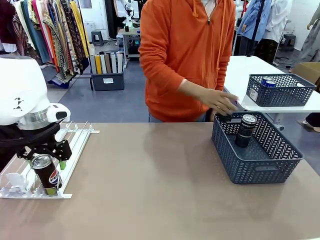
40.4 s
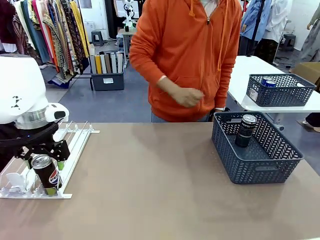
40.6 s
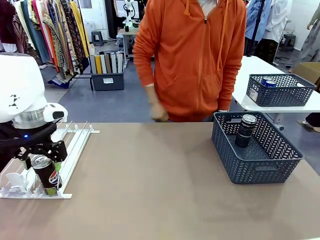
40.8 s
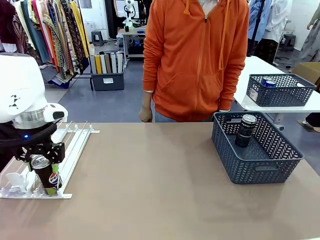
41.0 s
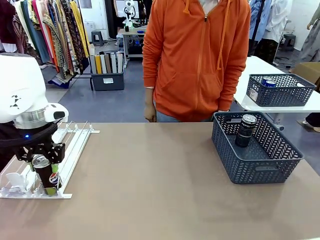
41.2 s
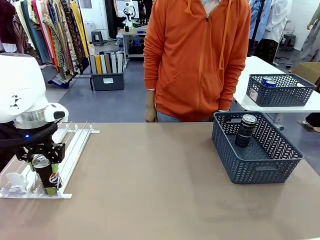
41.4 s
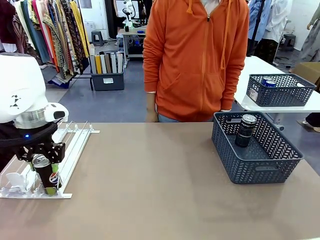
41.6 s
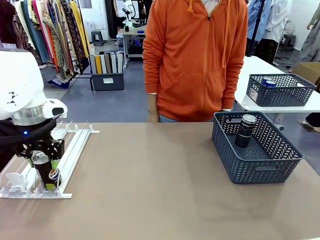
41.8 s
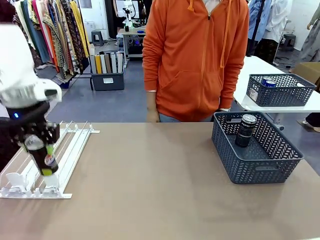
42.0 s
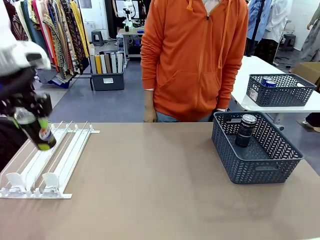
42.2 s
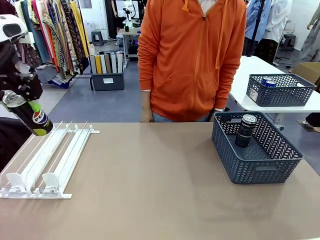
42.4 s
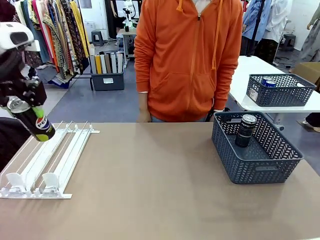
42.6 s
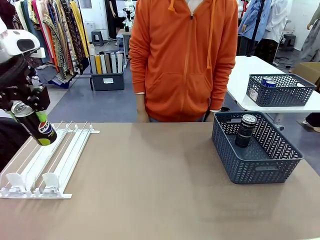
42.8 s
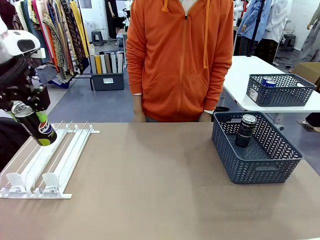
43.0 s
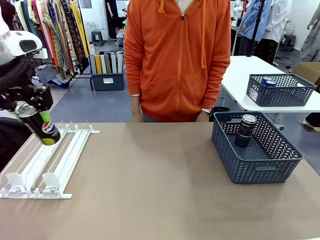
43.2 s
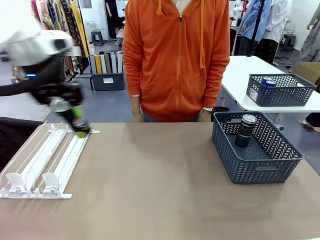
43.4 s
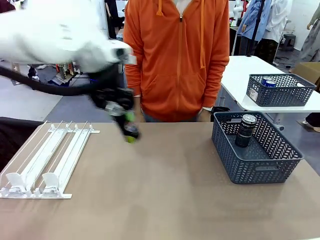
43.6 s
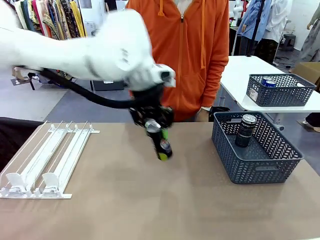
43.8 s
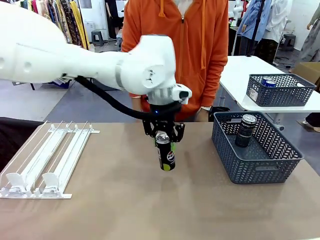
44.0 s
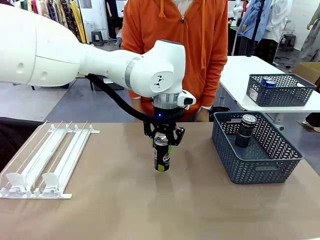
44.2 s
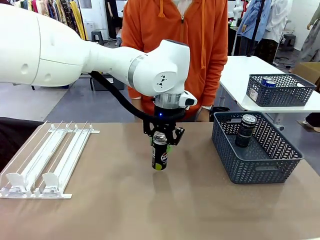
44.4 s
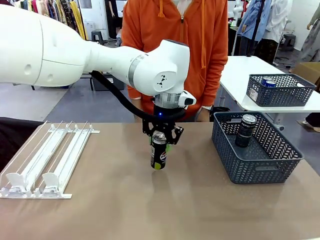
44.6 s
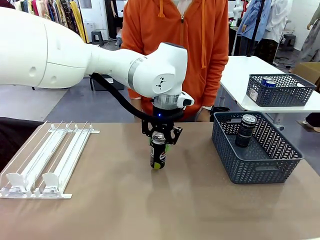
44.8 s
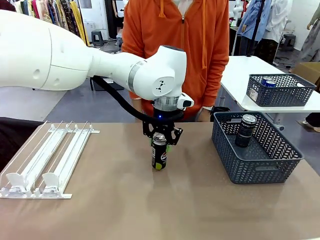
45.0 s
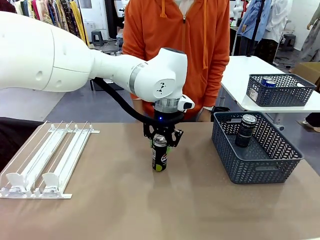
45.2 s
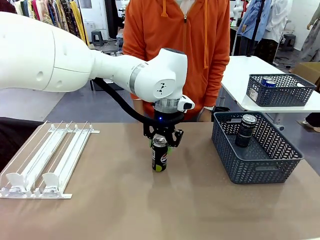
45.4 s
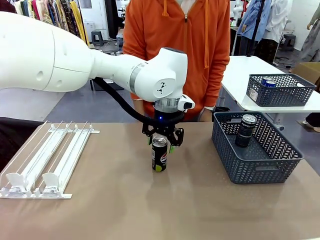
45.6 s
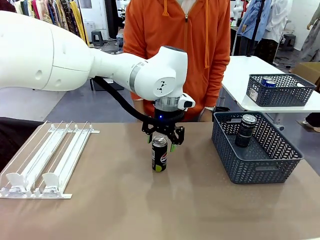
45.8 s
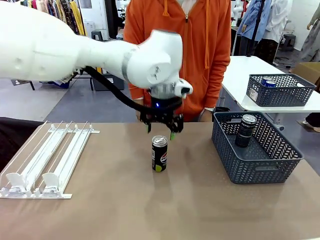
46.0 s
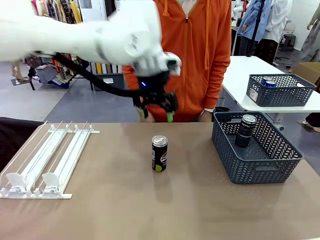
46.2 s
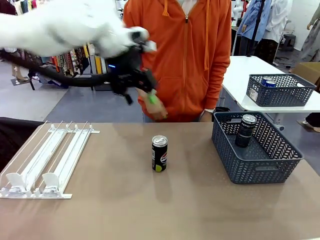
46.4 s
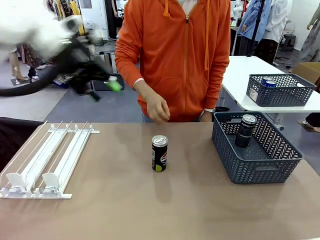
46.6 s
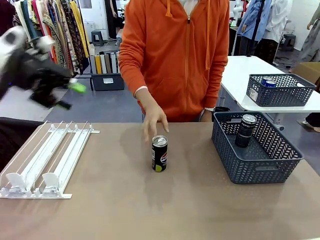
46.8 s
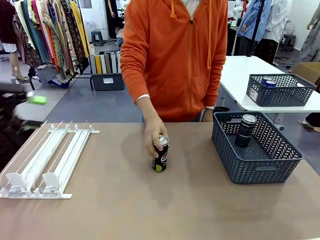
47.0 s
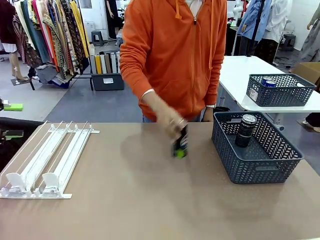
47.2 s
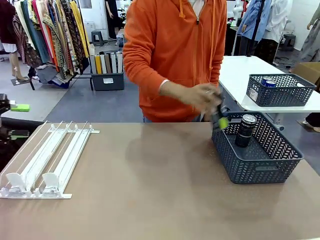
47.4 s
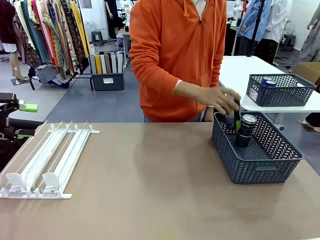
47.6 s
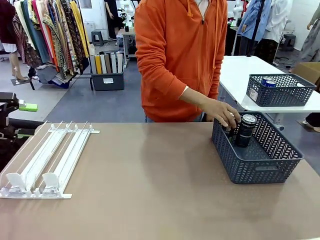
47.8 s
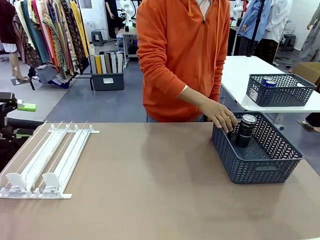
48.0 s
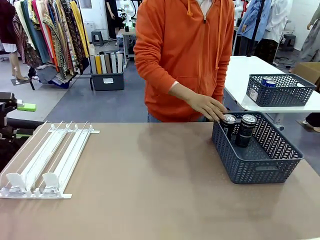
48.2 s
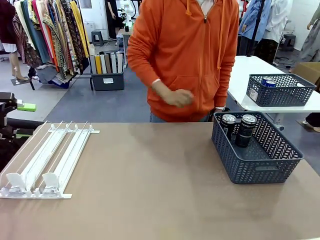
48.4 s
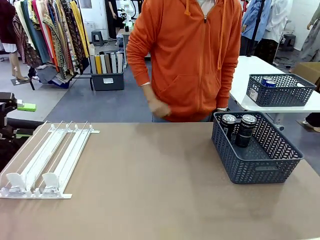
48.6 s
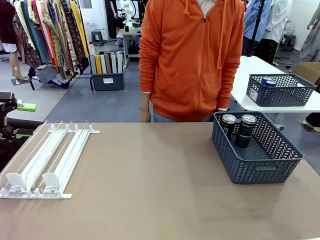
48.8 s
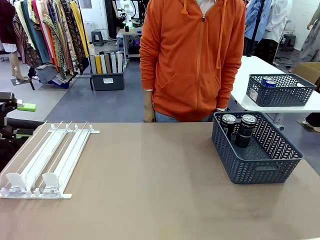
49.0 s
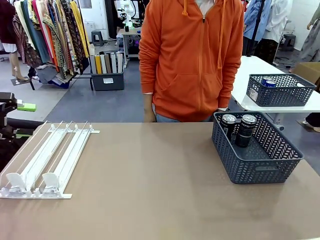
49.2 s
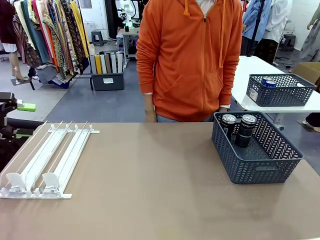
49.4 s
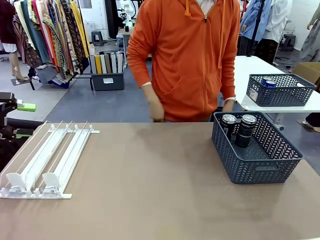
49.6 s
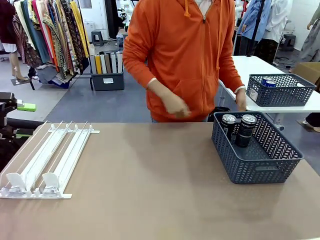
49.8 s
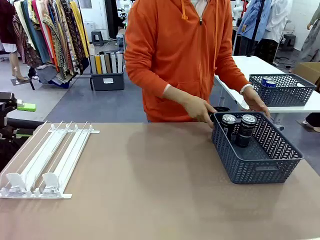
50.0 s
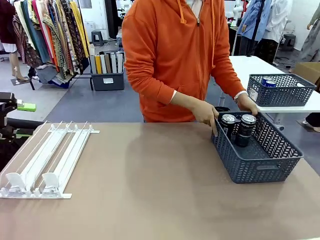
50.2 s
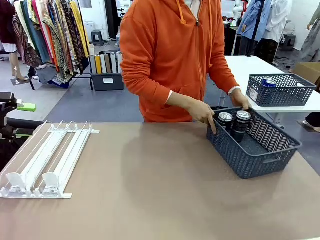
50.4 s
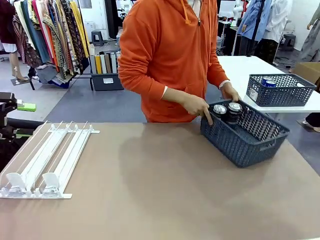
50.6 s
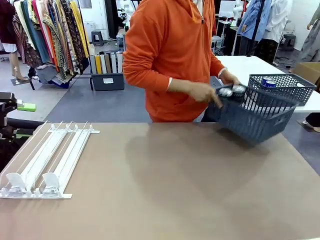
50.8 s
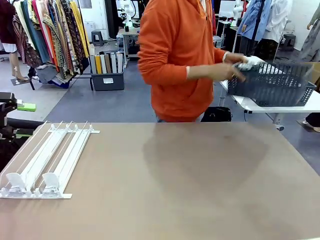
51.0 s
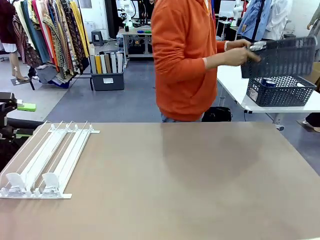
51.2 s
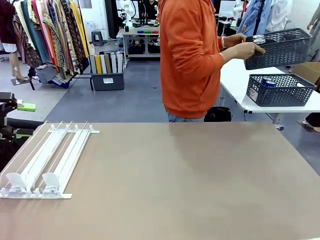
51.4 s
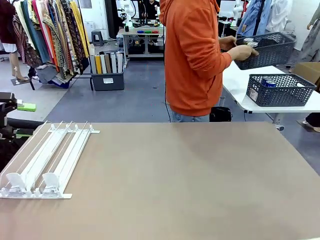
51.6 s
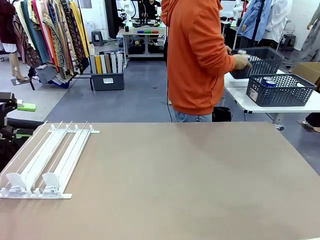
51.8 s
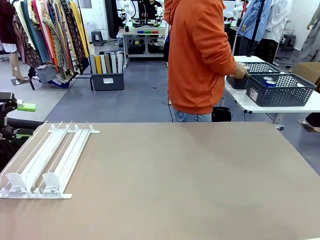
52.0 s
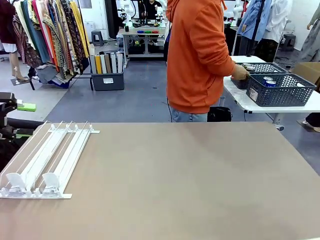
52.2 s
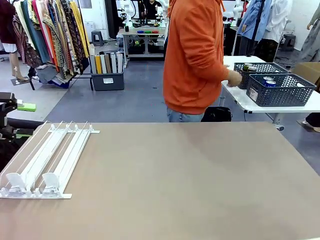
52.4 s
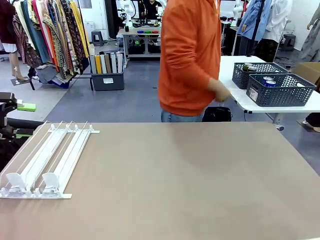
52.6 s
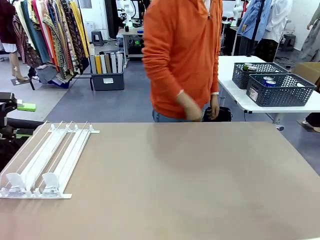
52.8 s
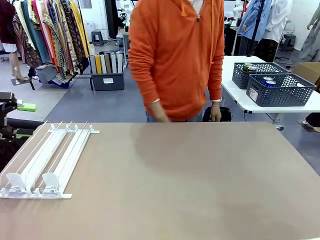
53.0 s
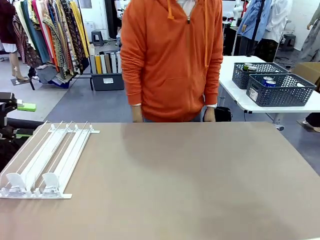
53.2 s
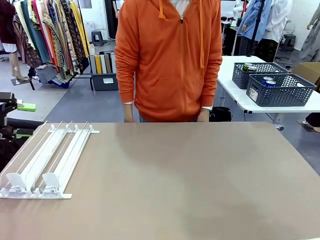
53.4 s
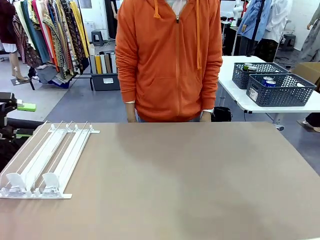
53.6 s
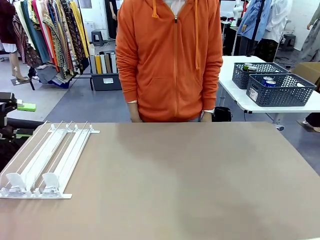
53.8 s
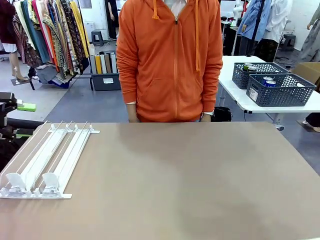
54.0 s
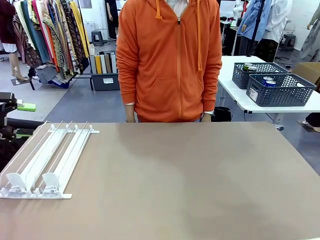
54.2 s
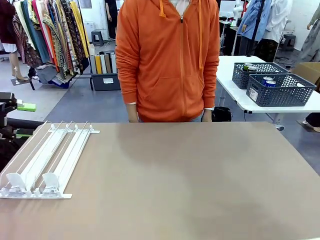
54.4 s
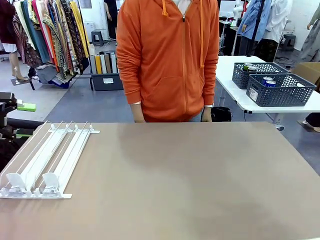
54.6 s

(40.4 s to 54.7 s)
Task: Retrieve and store the cans from the dispenser.
Robot: Pick up one can from the Automatic Can Dispenser and place it in the middle of the table.
Person: Pick up one sports drink can from the middle of the robot table and place it in the basket. Pick up the basket and place it in the middle of the human table.

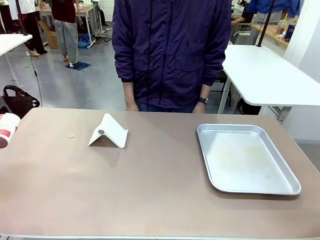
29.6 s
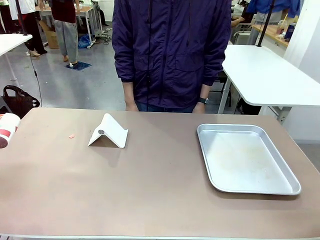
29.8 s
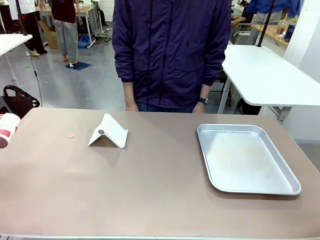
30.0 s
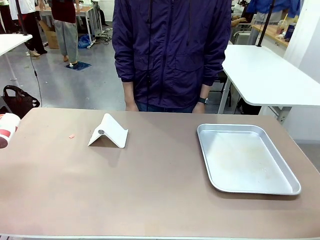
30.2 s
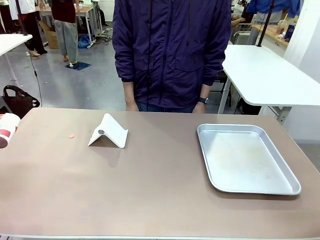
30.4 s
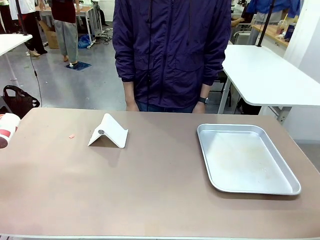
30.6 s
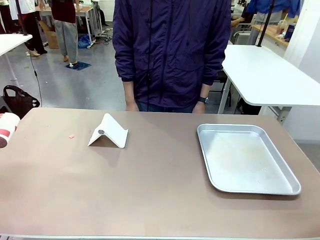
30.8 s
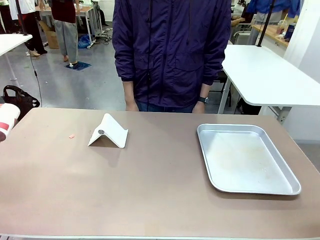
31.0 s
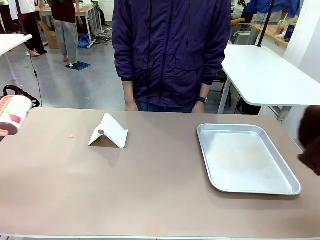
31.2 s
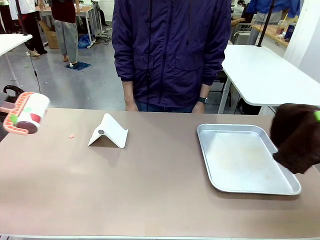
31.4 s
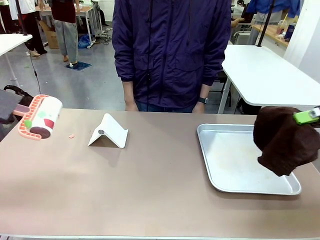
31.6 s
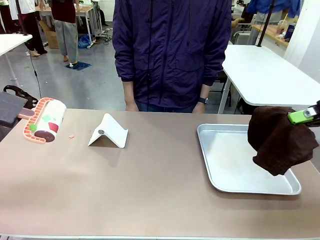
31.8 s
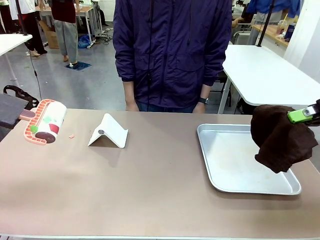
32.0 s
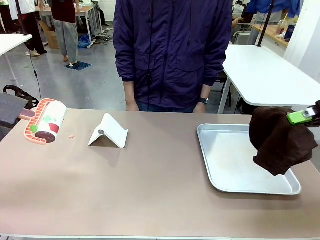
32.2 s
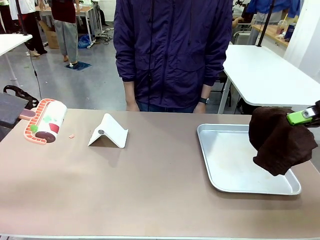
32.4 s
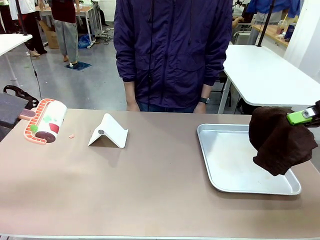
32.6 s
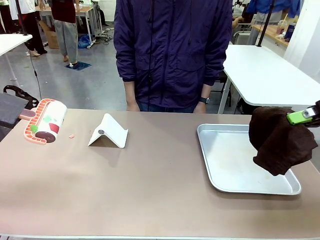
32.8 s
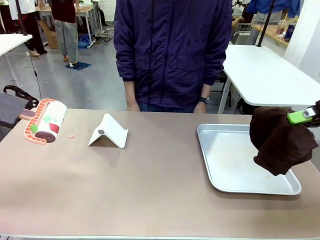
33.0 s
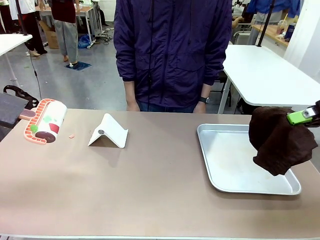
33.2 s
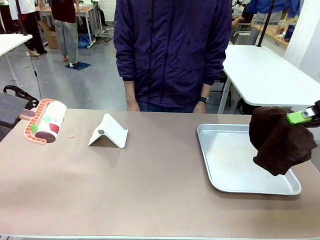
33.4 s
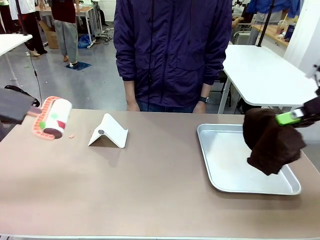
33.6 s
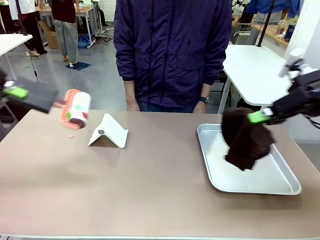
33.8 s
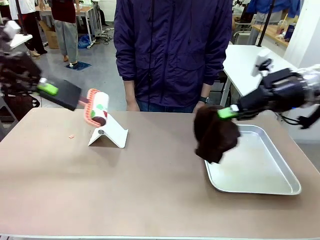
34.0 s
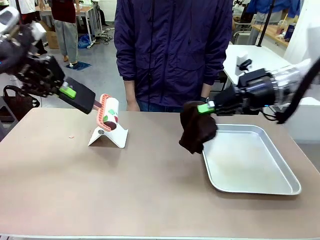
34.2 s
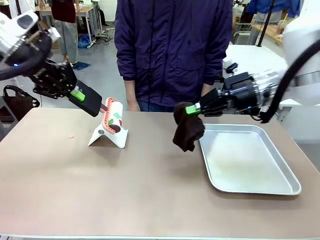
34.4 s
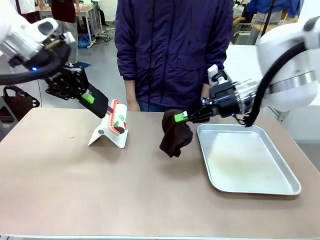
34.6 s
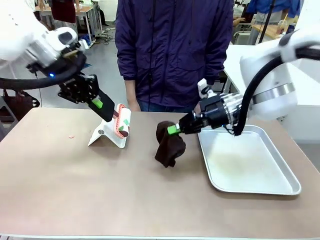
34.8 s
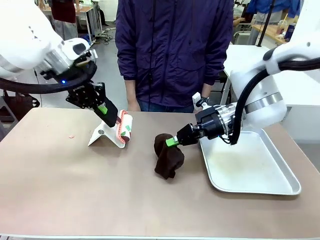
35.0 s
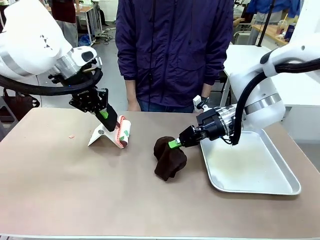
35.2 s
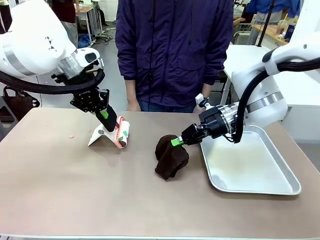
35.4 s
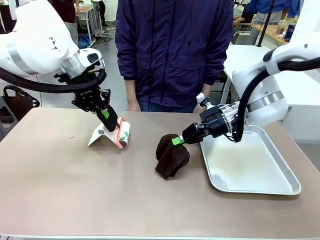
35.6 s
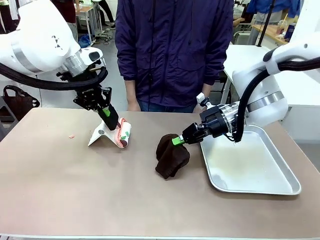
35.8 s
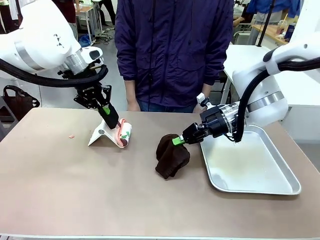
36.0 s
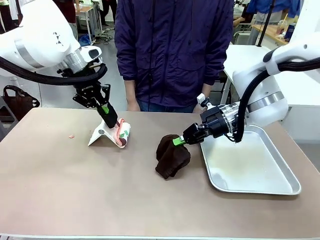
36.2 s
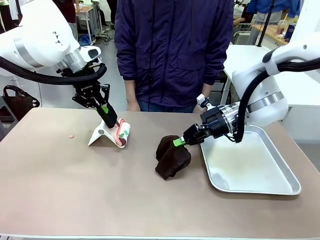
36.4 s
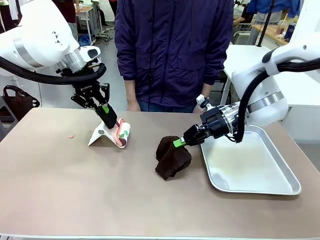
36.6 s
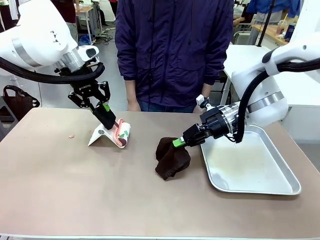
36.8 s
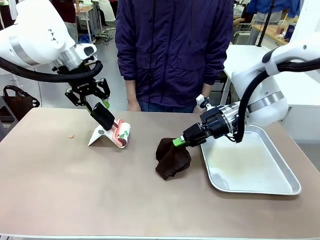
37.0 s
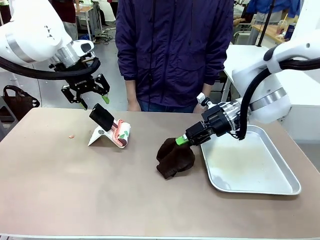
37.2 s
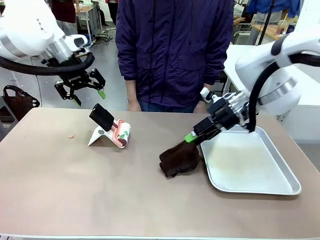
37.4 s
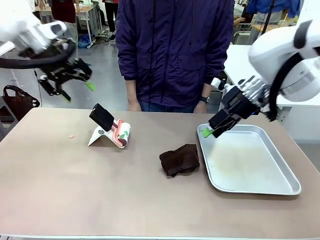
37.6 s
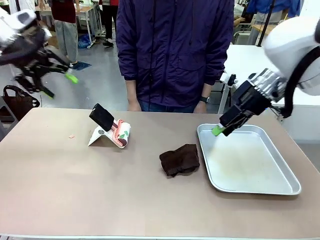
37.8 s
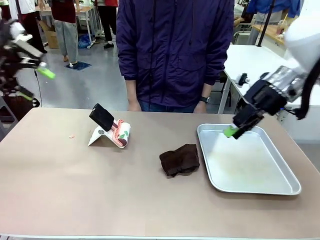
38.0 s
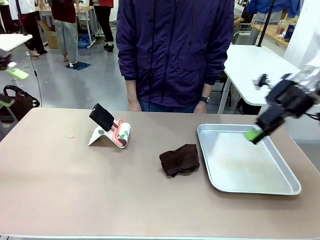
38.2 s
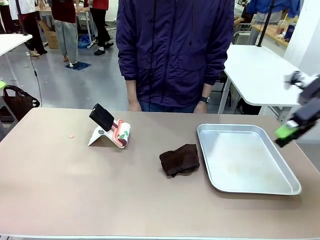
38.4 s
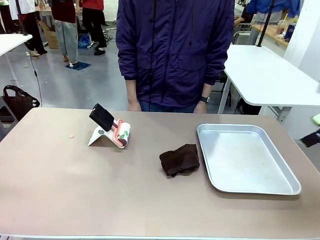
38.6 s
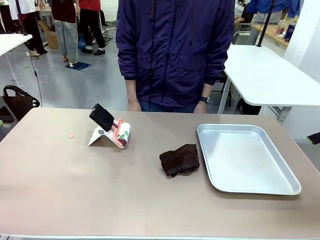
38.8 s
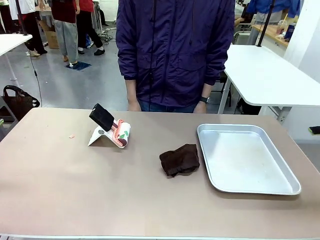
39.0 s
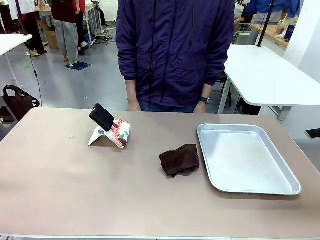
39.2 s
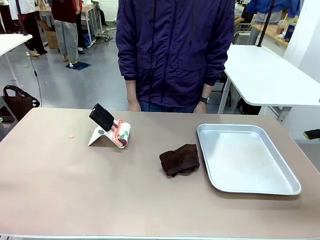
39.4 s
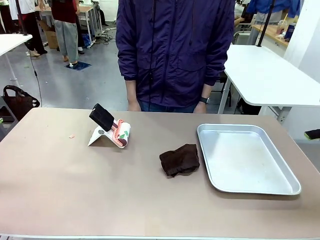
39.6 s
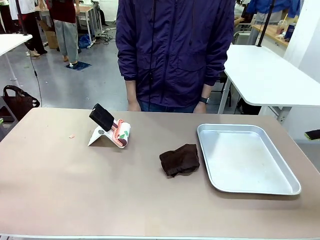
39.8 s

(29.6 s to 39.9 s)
Task: Clean the surface of the table.
Robot: Return the Lint Roller and towel to their original positions.
